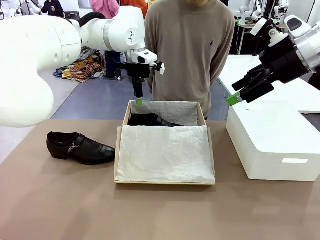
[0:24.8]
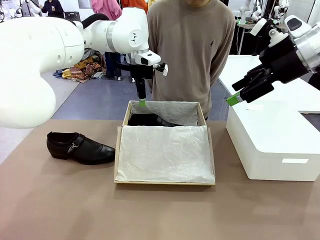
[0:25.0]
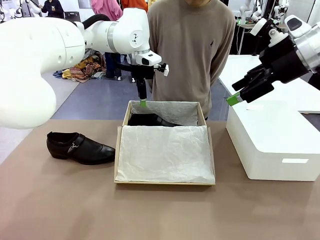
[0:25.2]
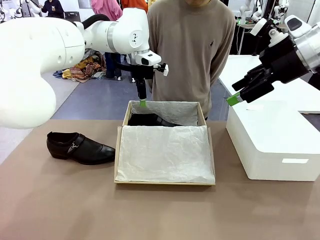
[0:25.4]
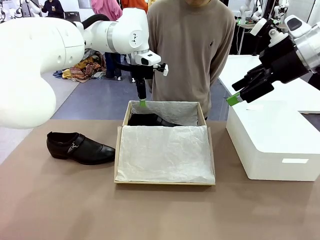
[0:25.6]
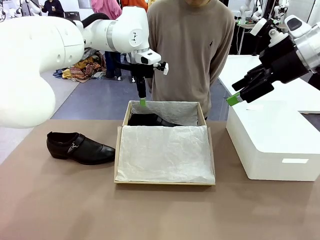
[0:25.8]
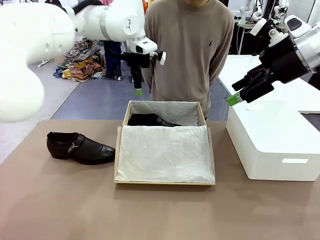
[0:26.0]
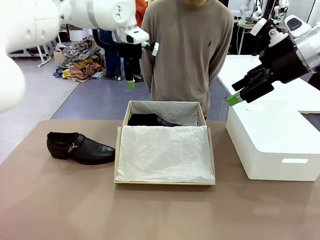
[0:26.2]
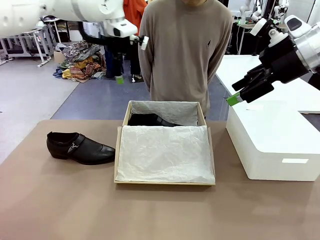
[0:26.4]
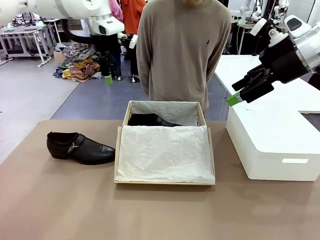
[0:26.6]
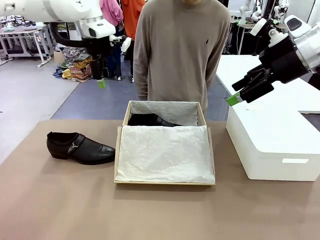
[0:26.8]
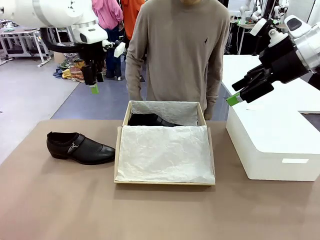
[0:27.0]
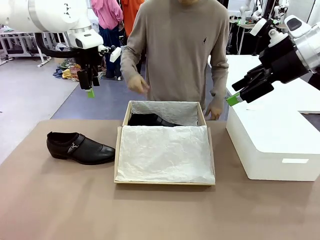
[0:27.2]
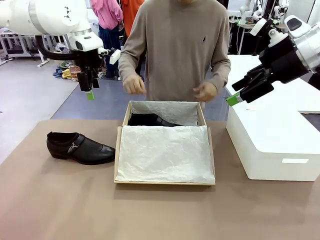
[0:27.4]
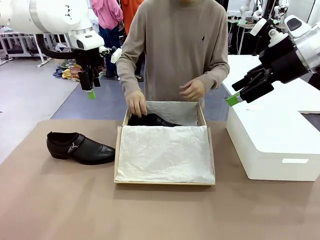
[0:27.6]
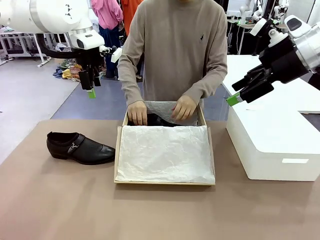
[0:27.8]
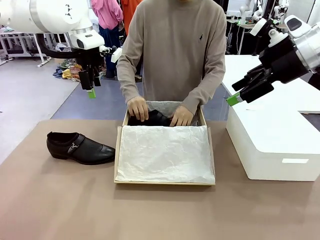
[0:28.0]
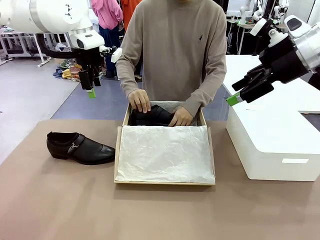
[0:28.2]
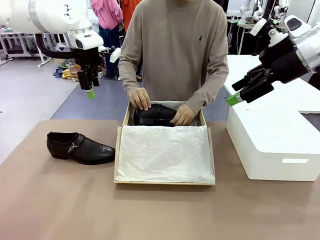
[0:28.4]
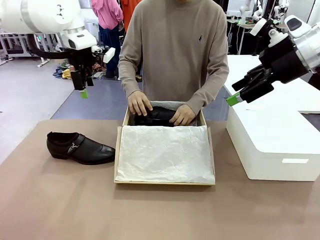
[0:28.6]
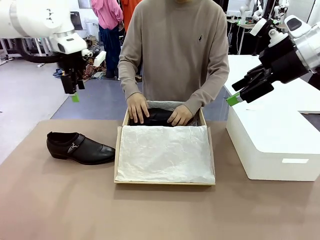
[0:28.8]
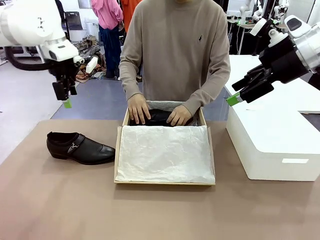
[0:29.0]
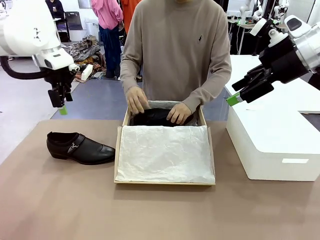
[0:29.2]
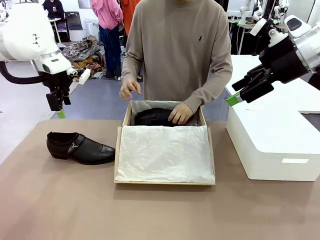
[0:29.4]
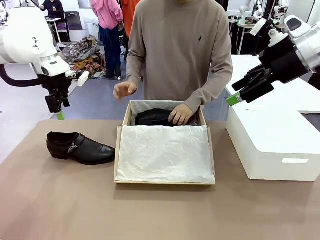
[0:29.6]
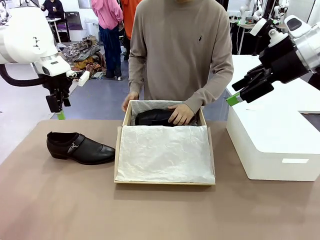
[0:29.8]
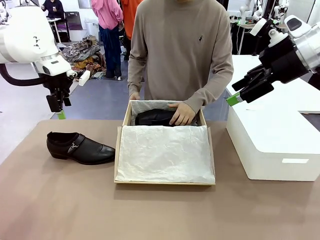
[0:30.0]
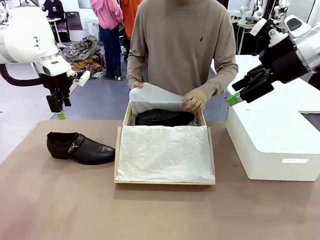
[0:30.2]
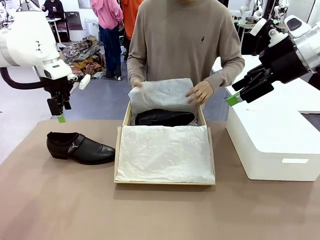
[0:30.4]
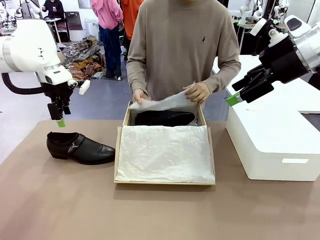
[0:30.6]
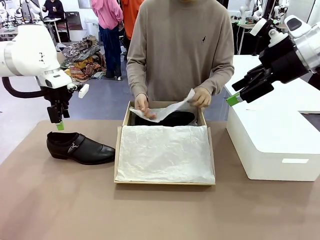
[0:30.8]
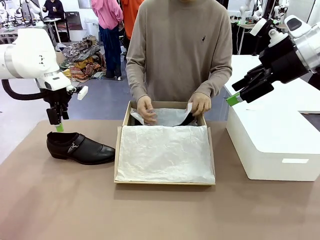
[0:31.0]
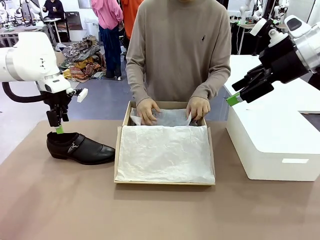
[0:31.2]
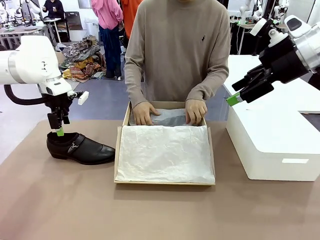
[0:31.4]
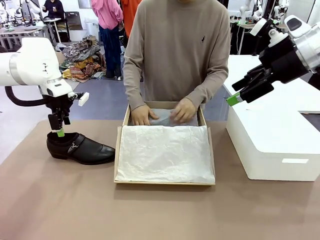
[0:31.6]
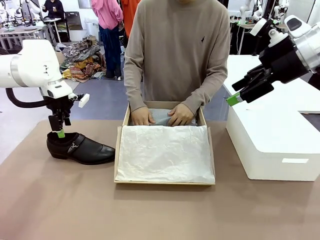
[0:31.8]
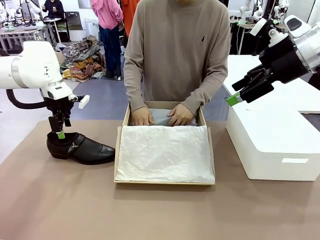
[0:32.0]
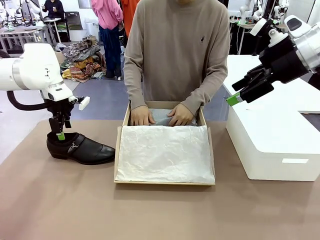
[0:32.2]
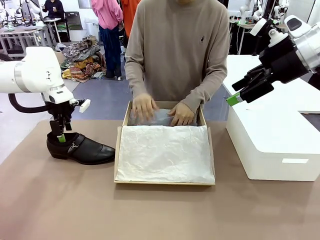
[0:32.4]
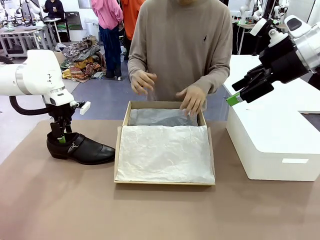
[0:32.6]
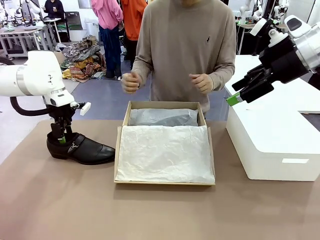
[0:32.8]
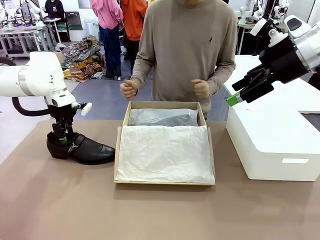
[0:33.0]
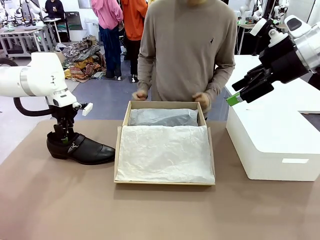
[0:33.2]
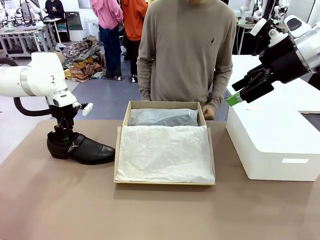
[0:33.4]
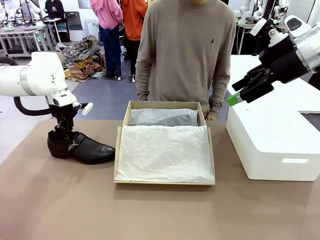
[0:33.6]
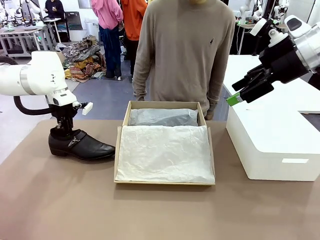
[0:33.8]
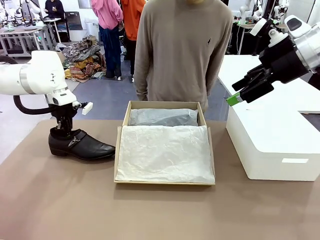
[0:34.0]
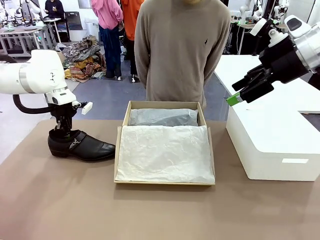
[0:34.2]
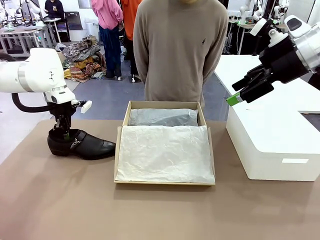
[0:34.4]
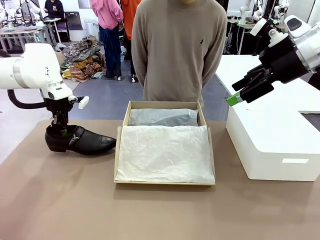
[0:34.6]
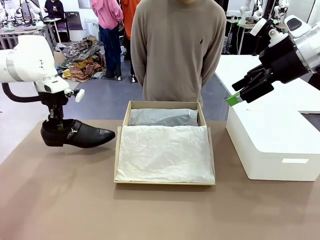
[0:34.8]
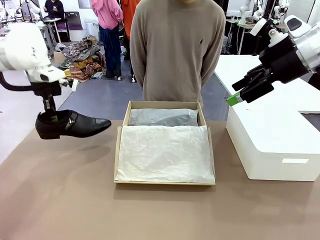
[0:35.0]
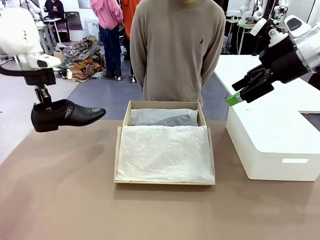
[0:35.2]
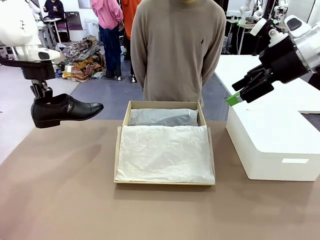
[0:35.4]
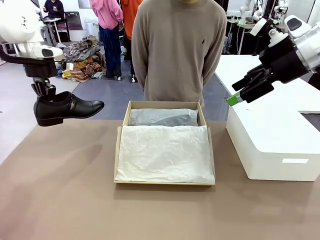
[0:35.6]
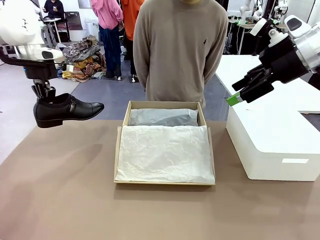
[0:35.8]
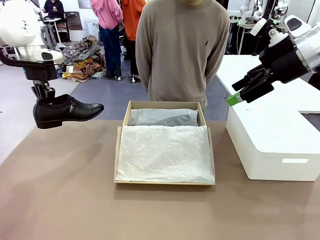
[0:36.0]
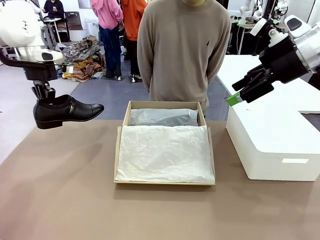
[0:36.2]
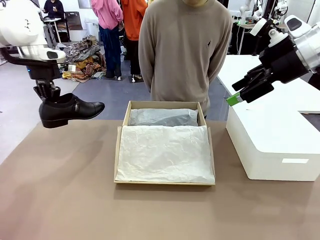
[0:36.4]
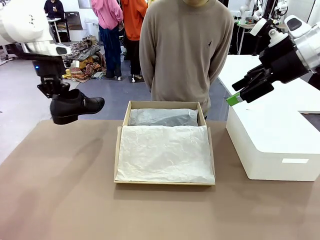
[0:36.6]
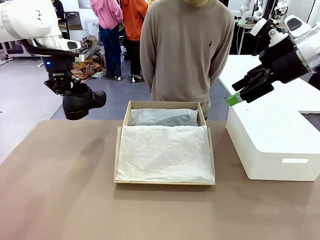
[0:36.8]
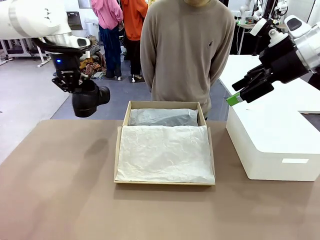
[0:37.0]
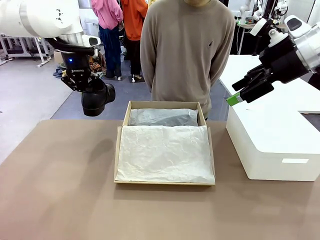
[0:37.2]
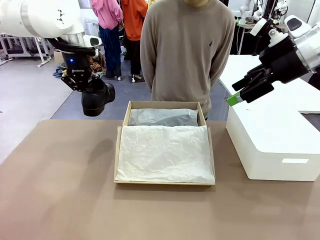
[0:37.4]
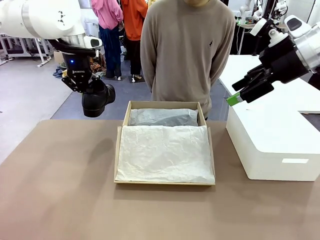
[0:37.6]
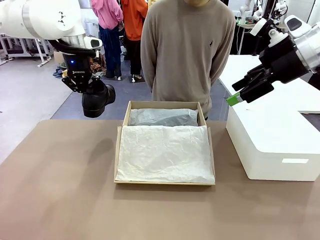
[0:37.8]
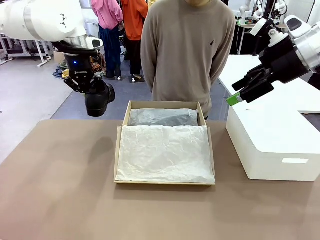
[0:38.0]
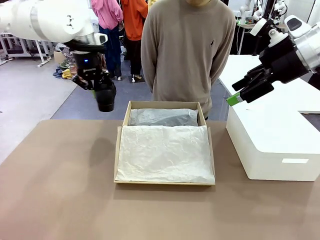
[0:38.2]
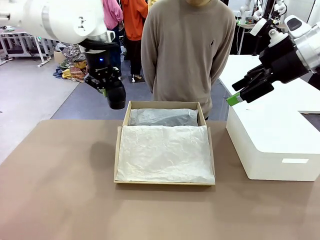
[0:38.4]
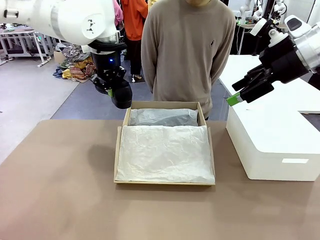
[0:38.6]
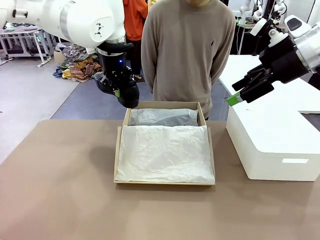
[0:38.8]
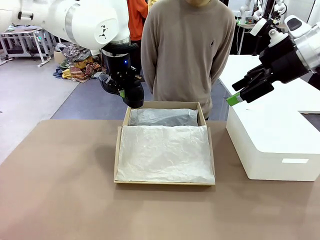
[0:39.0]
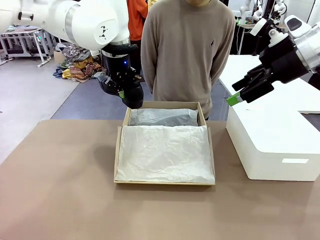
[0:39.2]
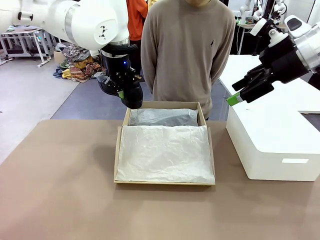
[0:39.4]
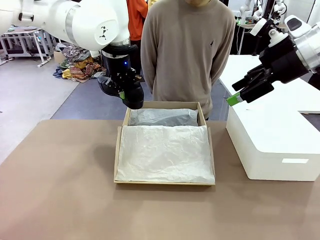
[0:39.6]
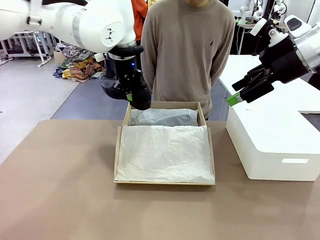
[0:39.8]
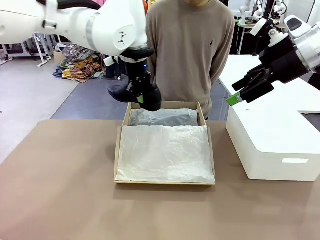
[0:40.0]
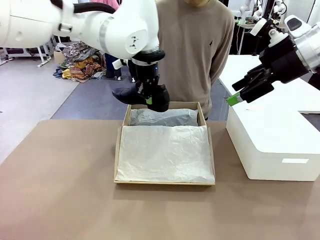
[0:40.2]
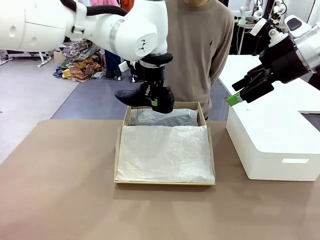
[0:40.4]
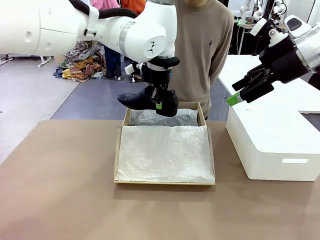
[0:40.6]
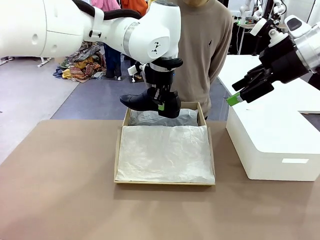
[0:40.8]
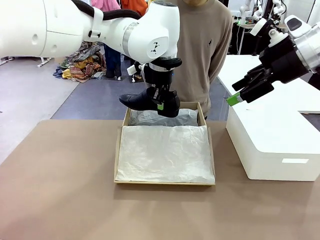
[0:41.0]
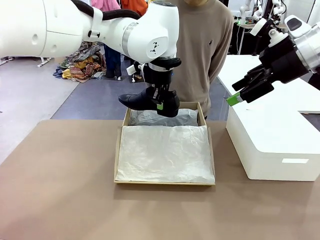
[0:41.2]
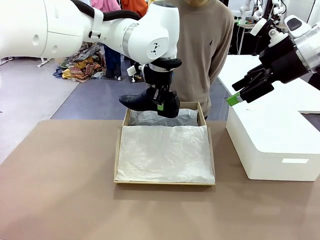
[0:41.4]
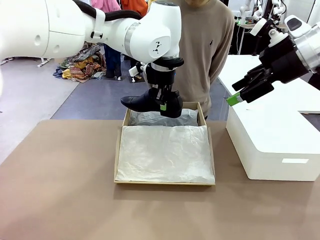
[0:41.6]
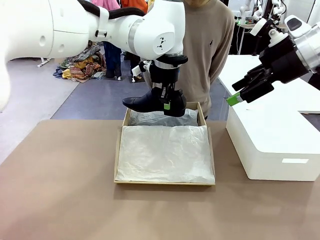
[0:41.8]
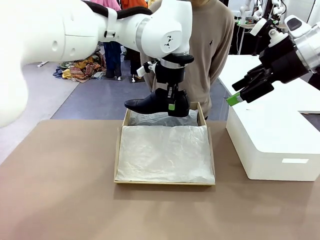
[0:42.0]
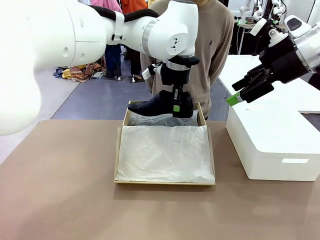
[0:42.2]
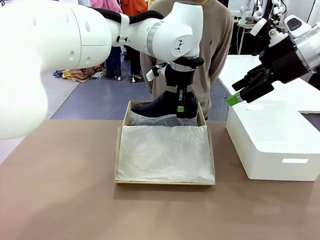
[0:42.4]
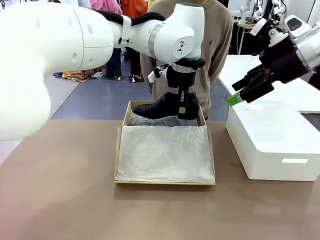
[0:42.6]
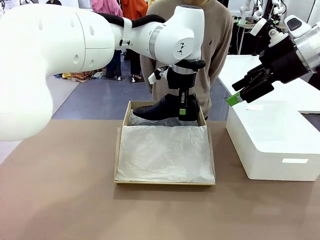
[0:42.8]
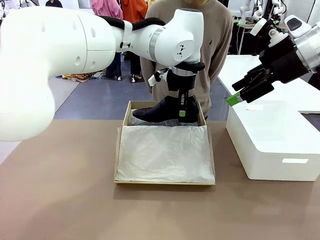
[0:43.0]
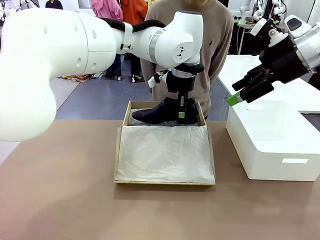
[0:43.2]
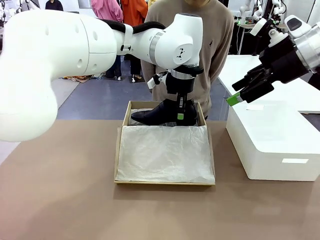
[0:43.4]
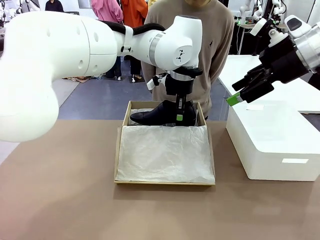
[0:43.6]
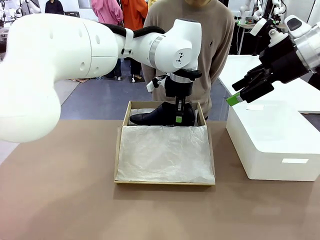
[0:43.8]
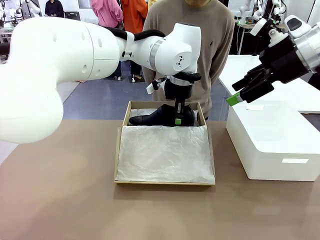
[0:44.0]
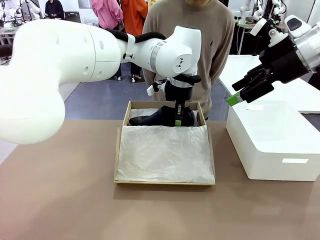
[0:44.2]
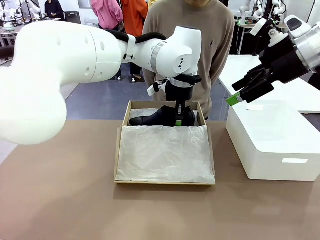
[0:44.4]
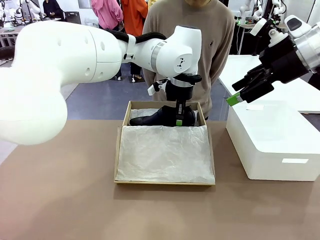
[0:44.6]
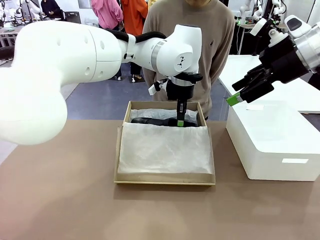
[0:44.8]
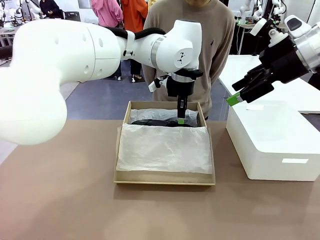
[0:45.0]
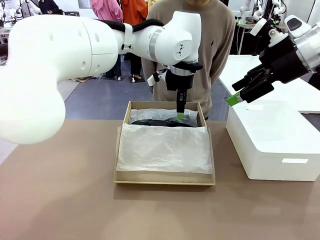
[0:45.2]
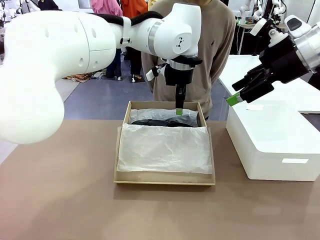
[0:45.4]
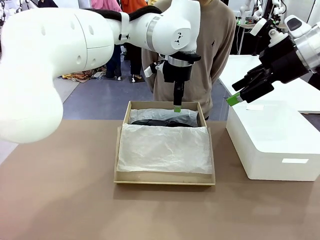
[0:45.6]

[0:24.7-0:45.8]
Task: Pack the shoes into the box.
Robot: Place the other shoe of the Shoes into the Shoes Box.
Person: Pack a shoe of Shoes inside the Shoes Box with Shoes Wrapping Paper.
